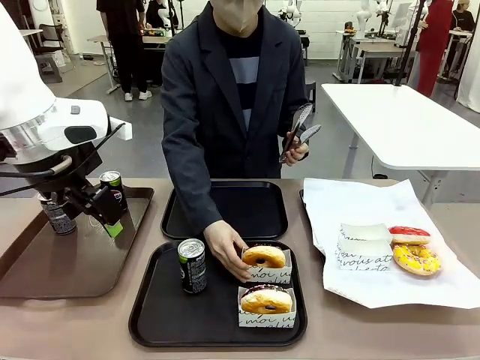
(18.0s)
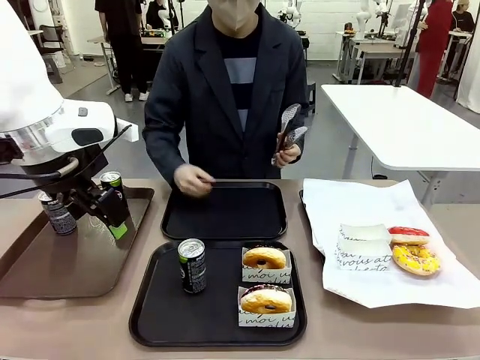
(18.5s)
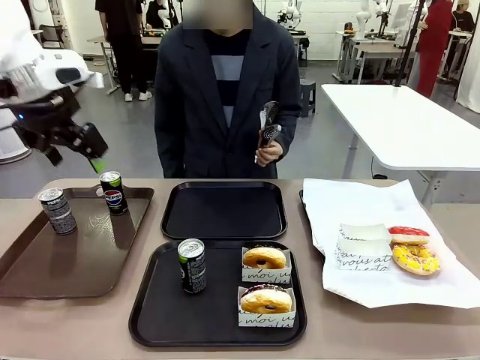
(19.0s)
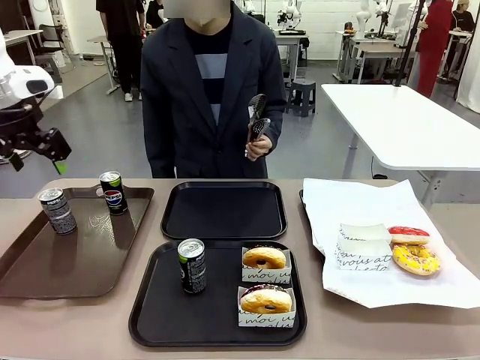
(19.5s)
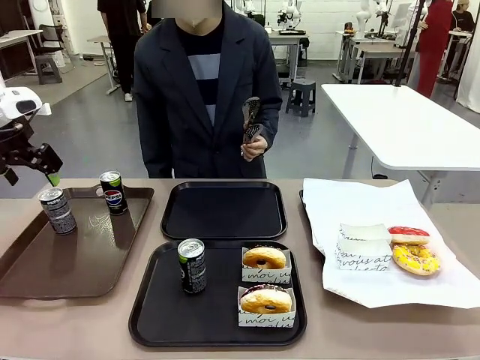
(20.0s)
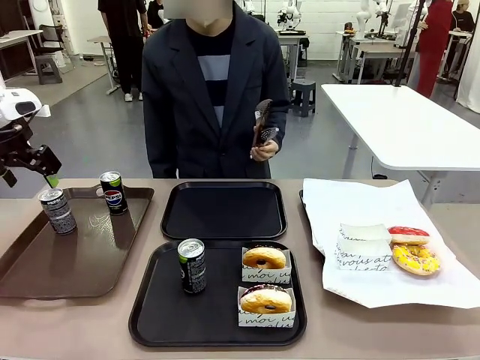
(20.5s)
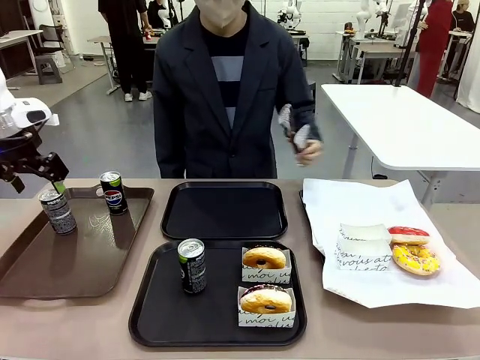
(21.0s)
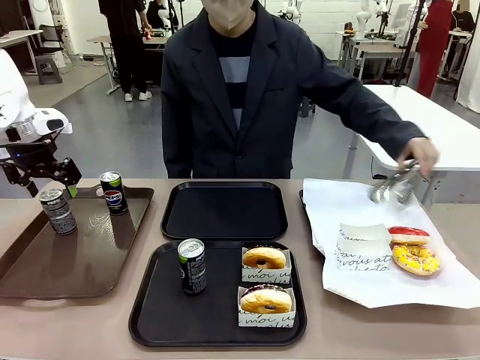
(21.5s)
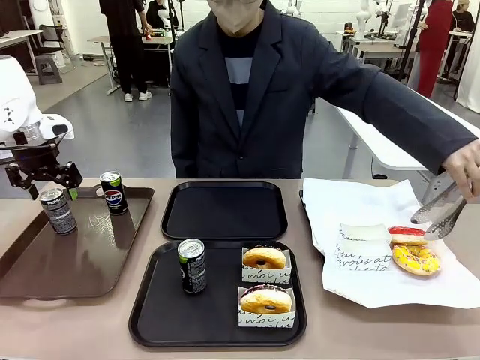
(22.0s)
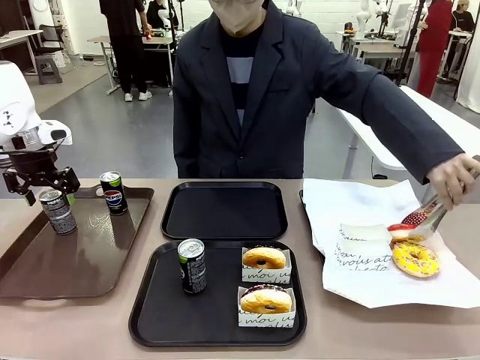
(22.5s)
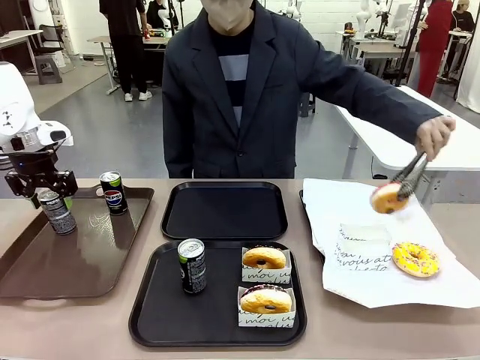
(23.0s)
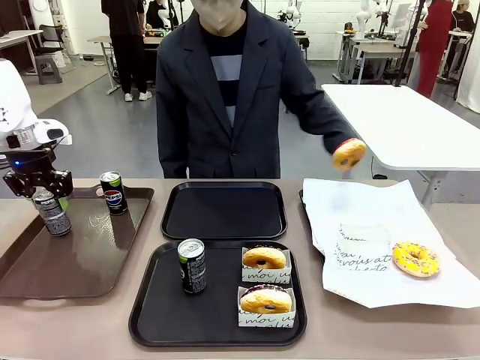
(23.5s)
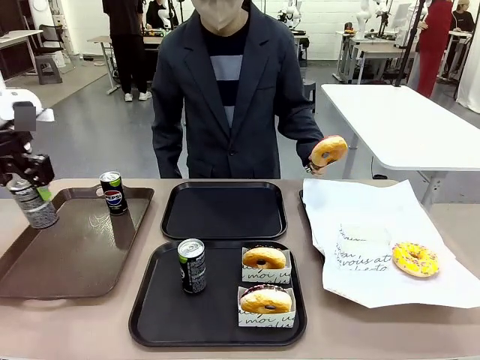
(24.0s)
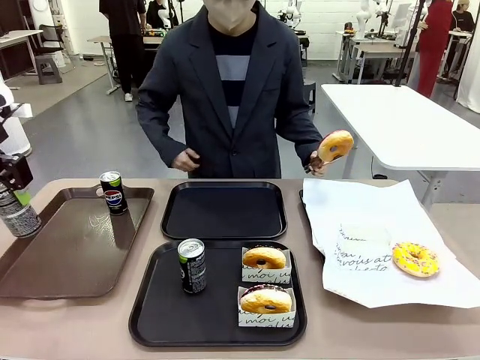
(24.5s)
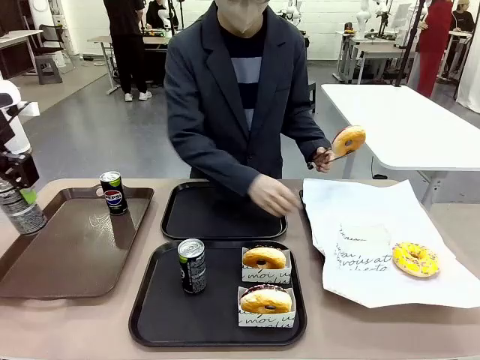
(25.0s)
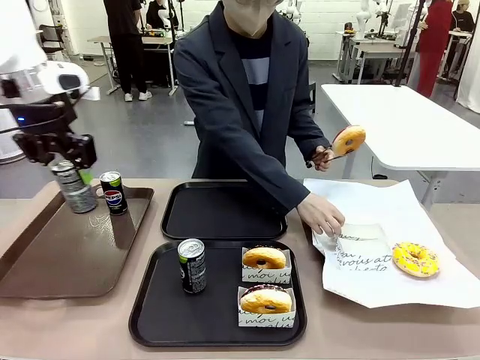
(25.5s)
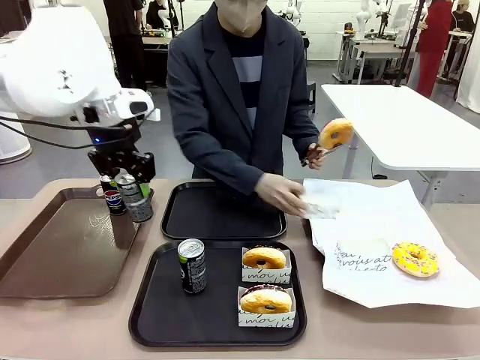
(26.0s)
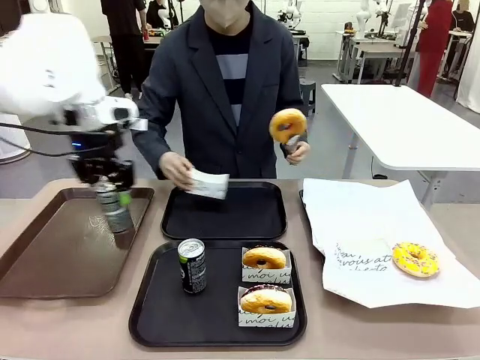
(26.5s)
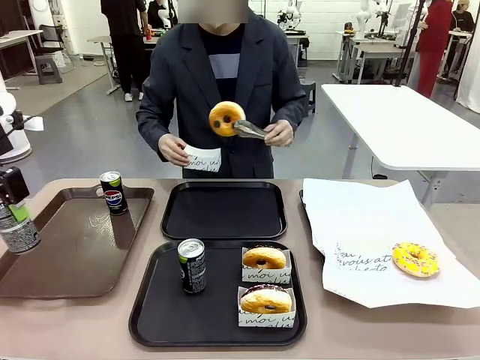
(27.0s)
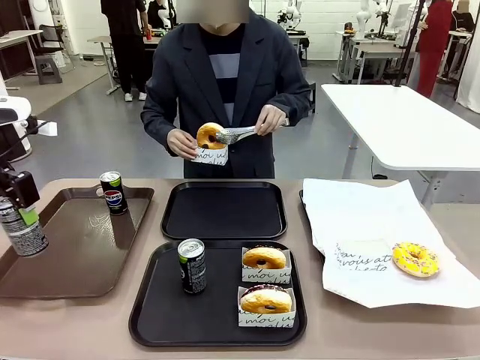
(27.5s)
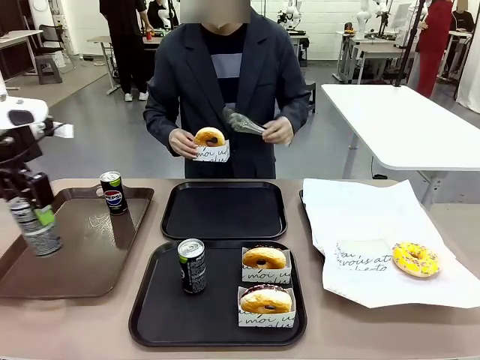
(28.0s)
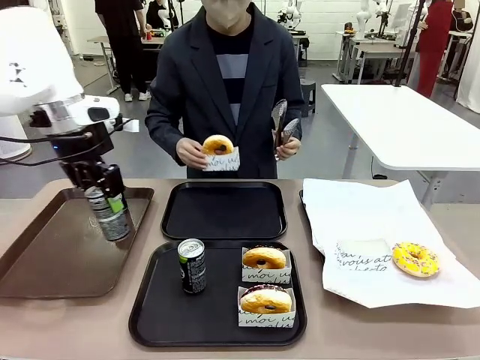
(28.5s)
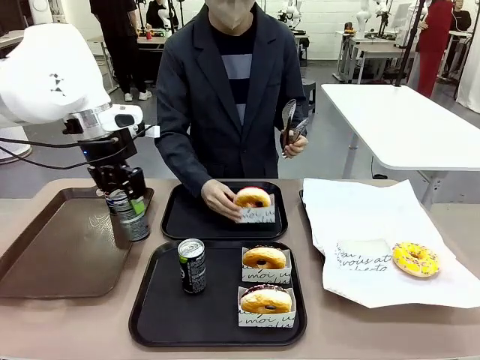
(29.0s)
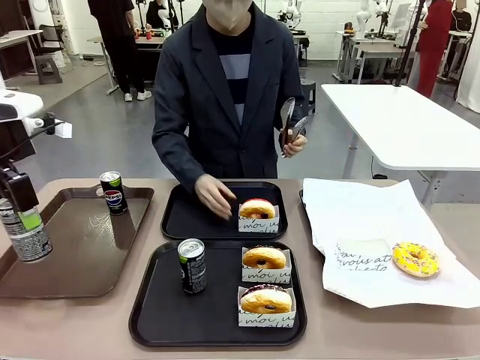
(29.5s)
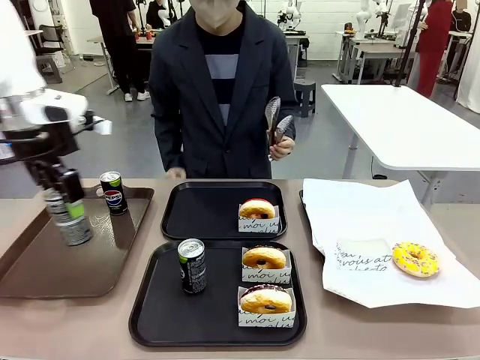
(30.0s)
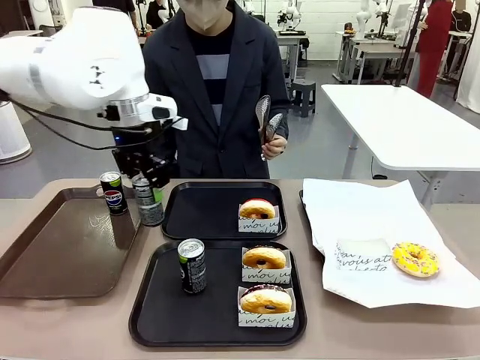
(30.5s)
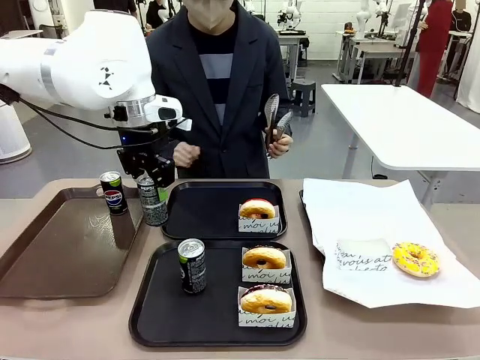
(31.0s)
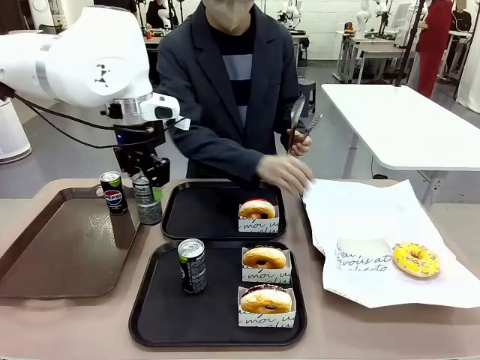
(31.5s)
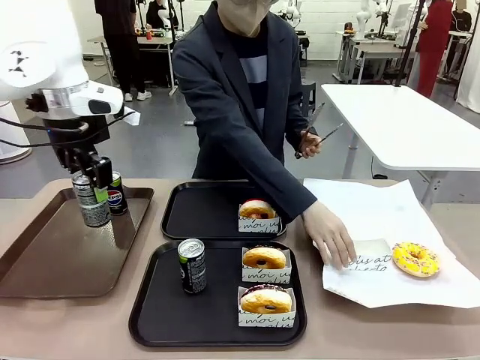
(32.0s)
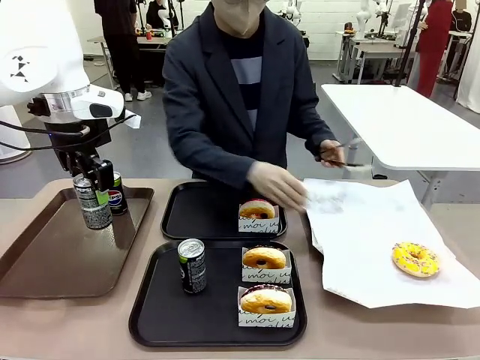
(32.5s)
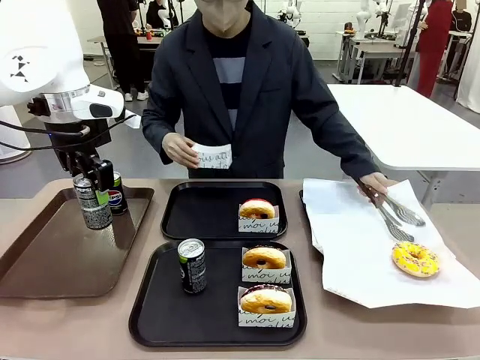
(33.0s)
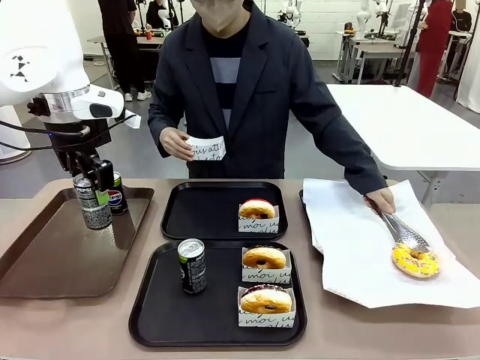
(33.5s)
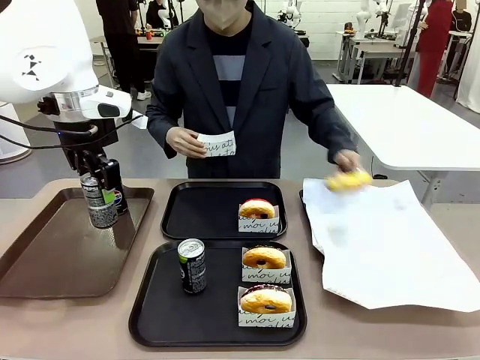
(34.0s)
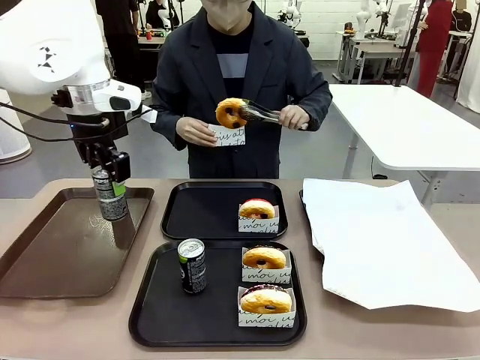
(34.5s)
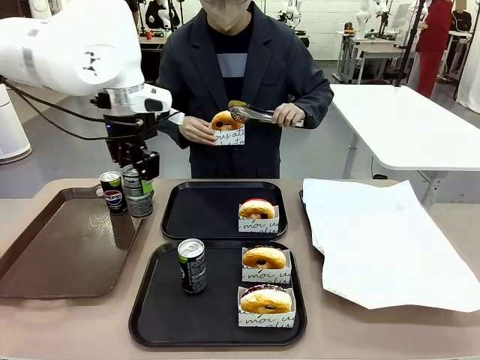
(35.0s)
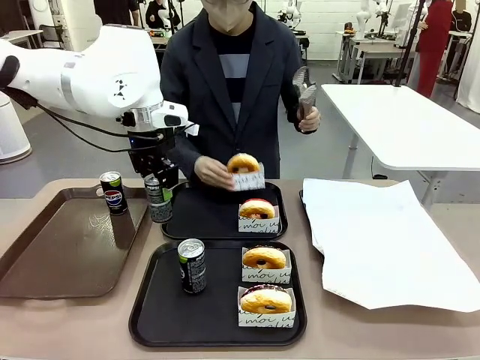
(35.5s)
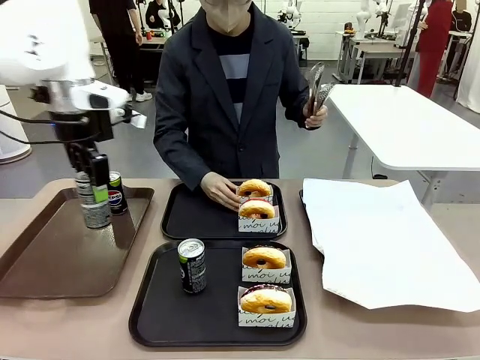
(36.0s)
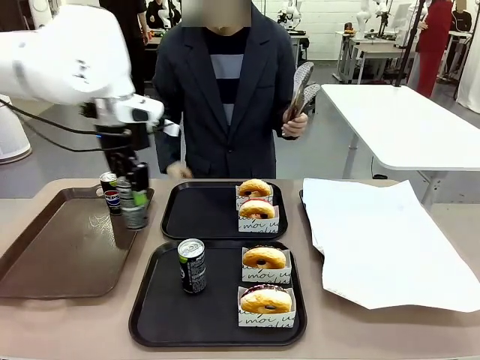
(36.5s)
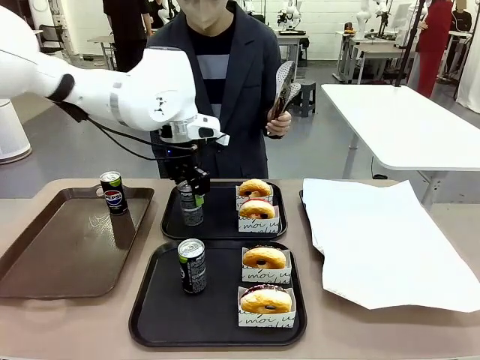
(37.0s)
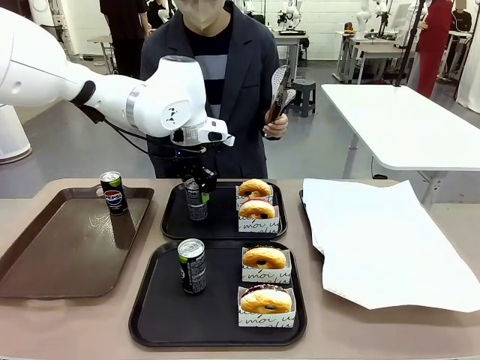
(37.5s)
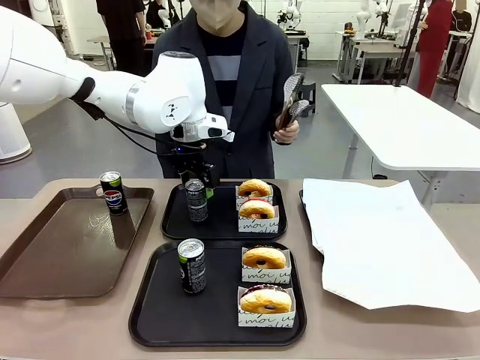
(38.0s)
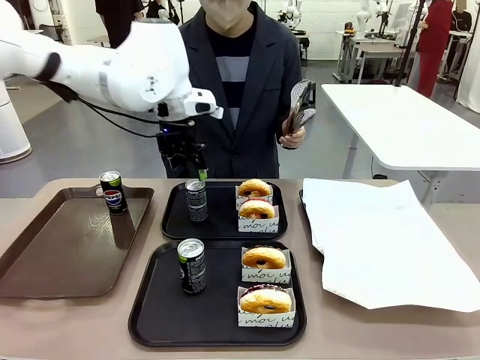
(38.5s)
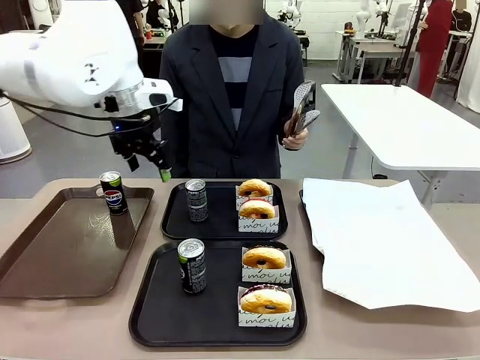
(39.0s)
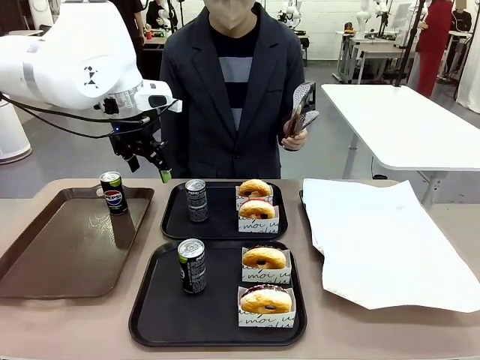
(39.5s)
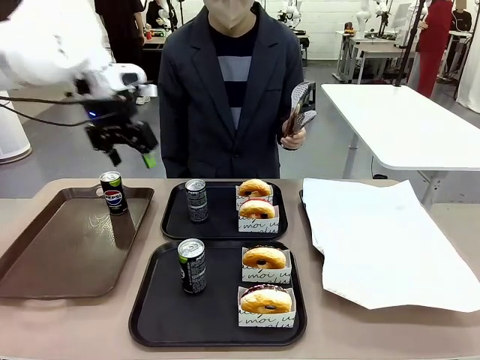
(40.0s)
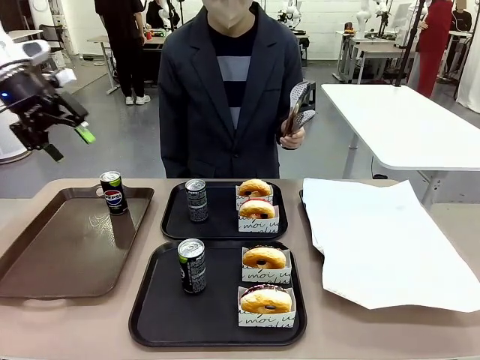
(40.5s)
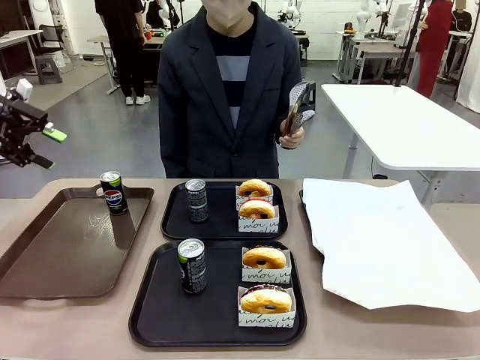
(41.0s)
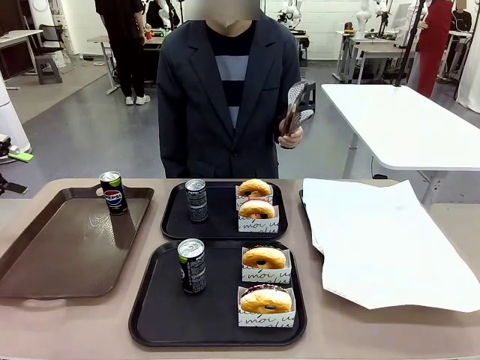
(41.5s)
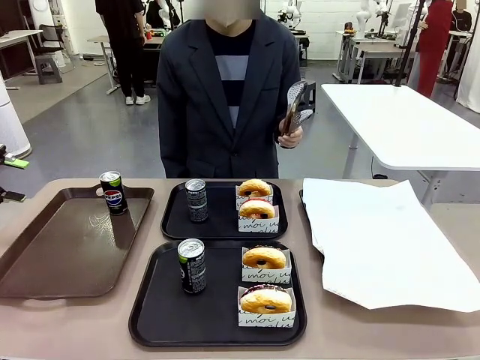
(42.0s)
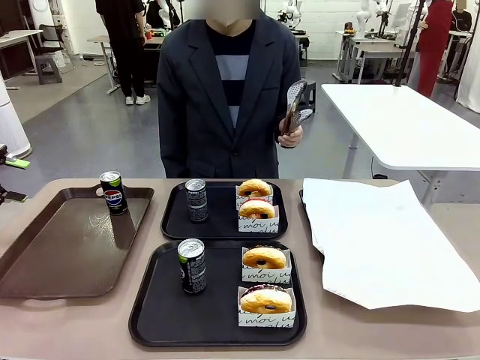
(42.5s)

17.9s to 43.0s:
Task: Set up donuts and drinks on trays.
Robot: Pick up one Pepsi coke from the Handle tray and place it on the Flat Tray without a Pepsi coke.
Person: Pick up one donut with tongs, place it in the donut tray, and then place the donut tray on the flat tray.
